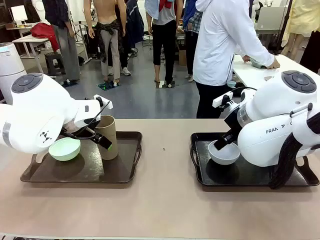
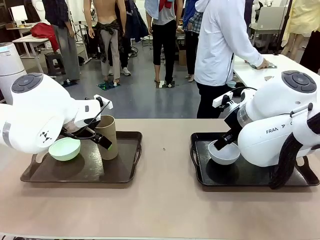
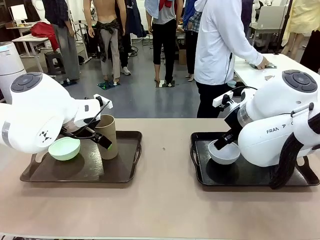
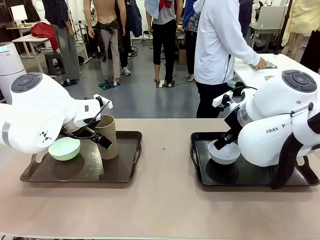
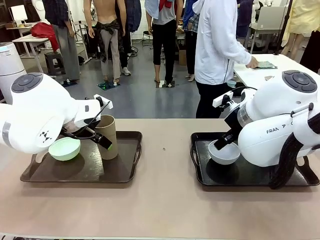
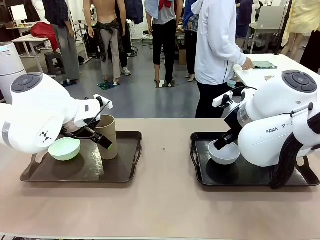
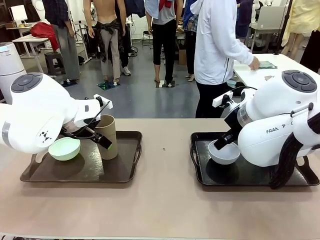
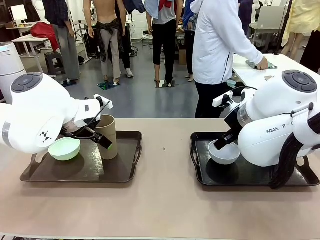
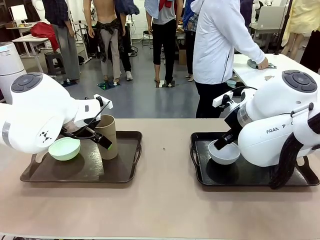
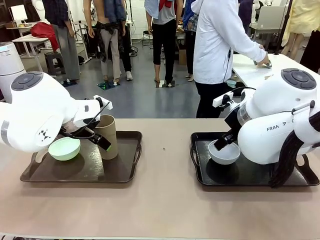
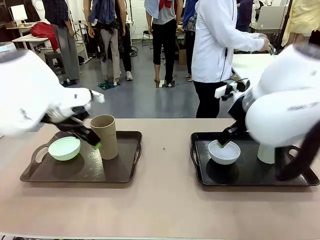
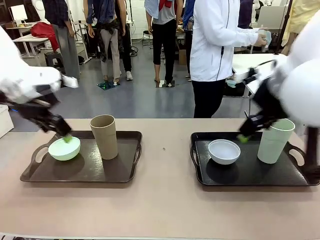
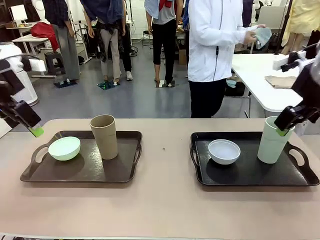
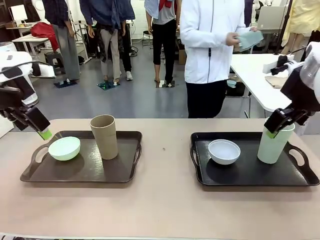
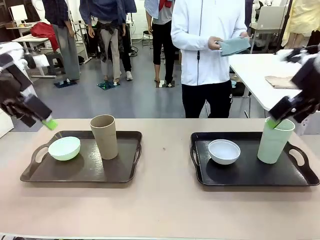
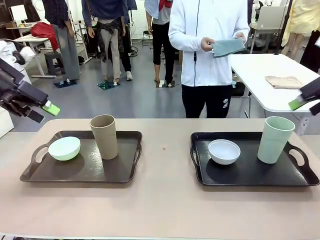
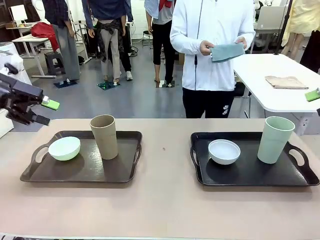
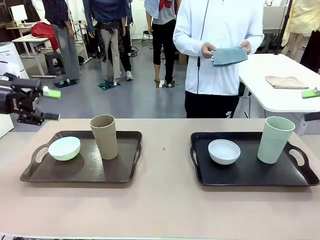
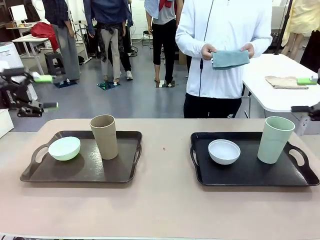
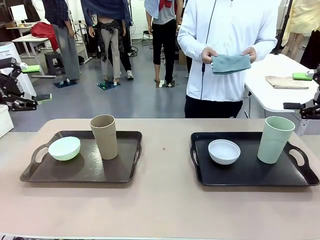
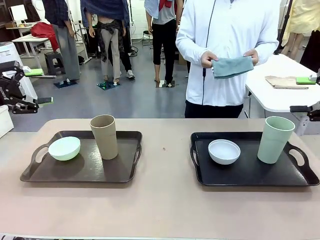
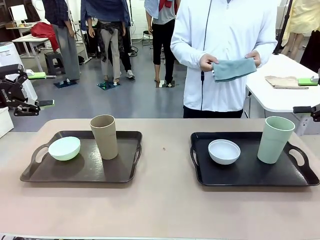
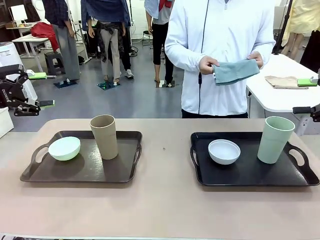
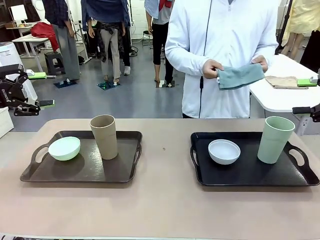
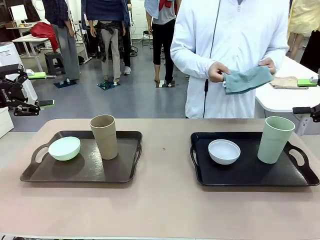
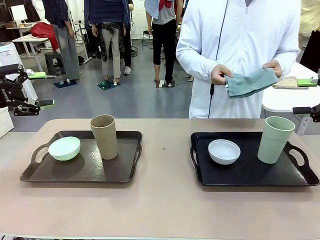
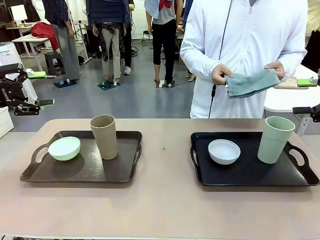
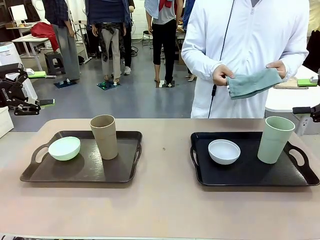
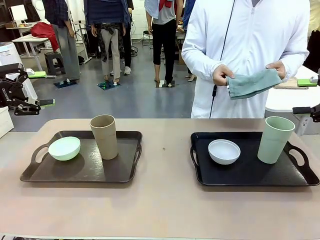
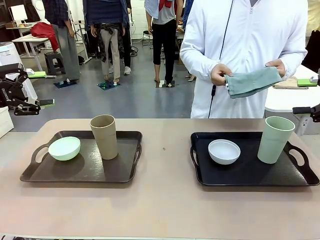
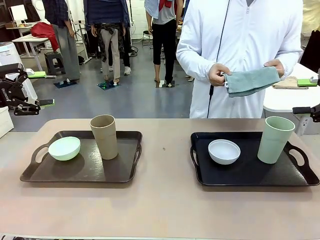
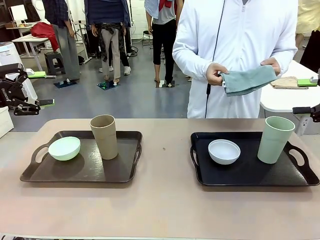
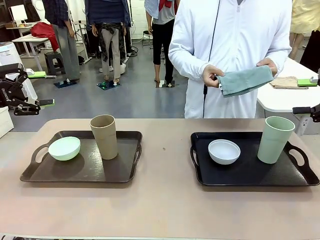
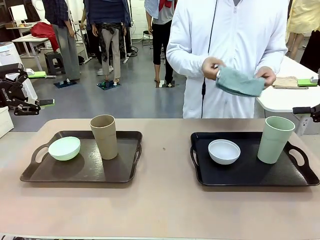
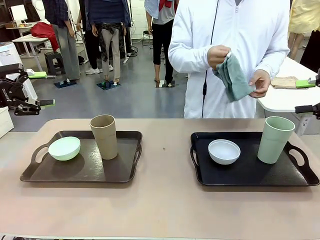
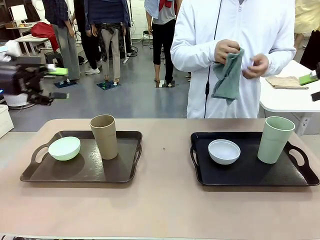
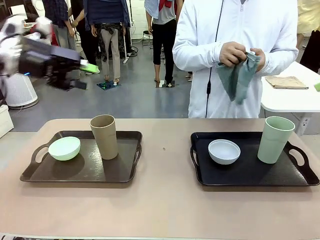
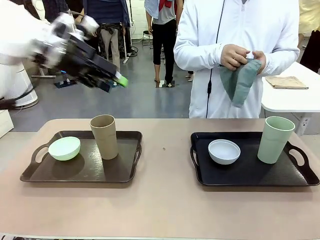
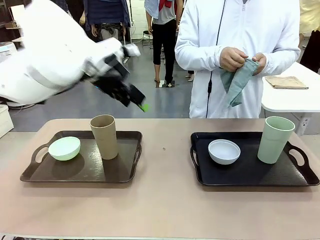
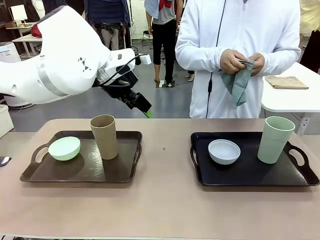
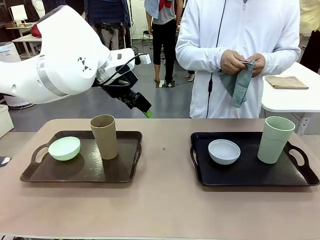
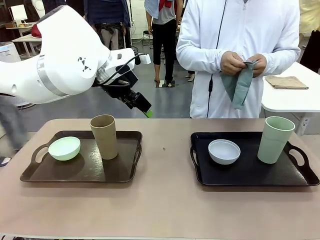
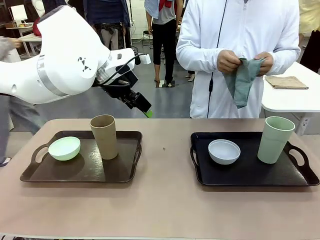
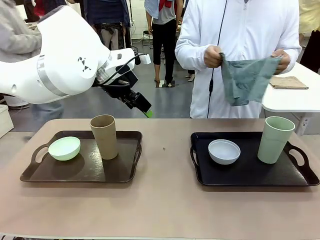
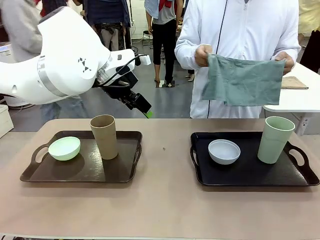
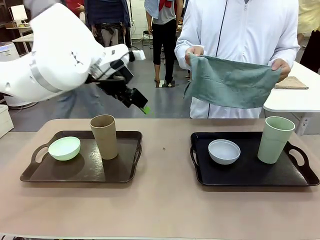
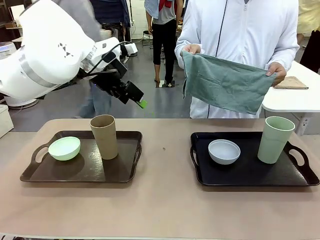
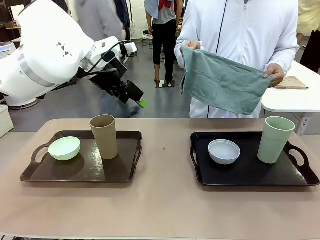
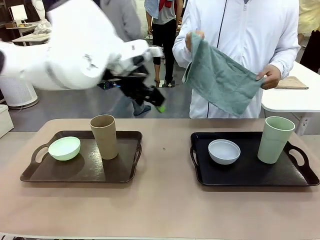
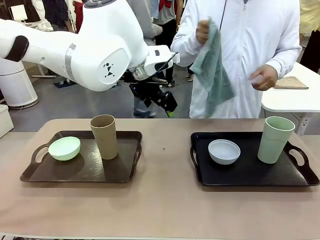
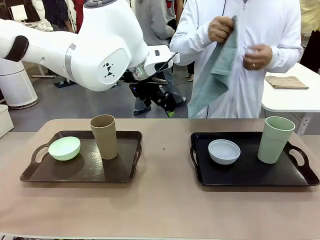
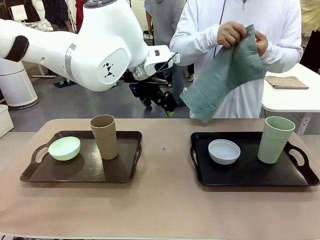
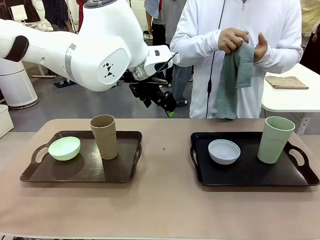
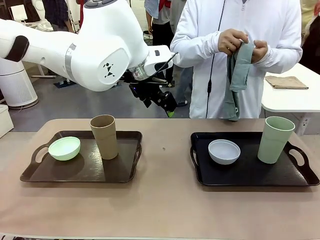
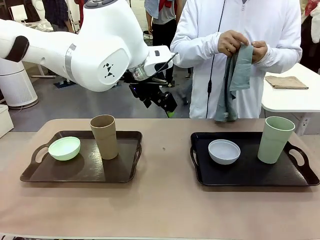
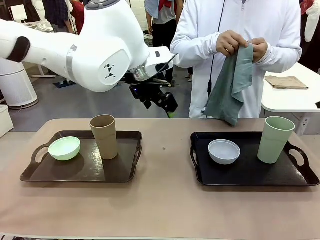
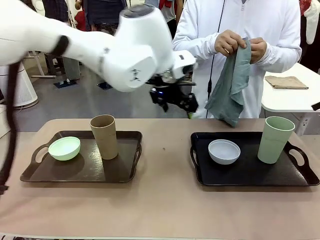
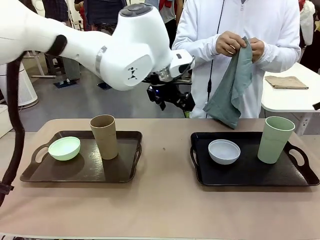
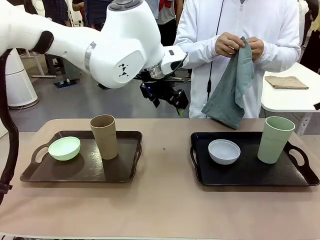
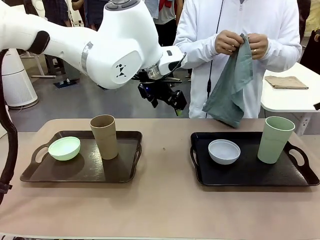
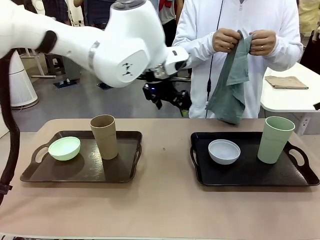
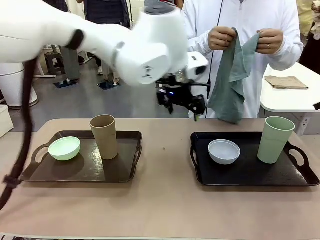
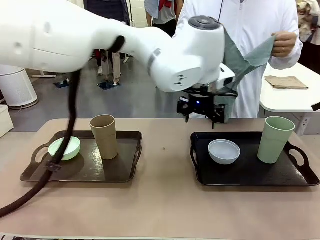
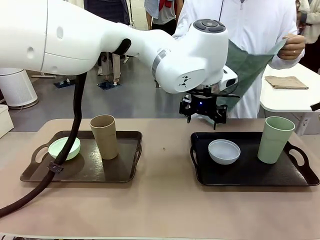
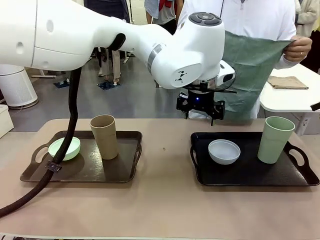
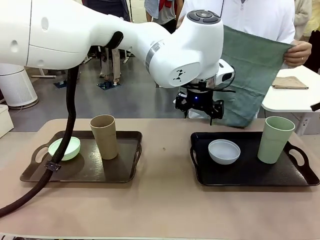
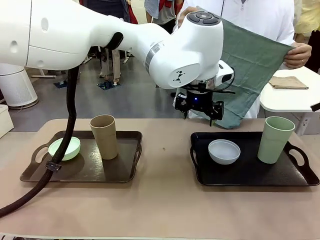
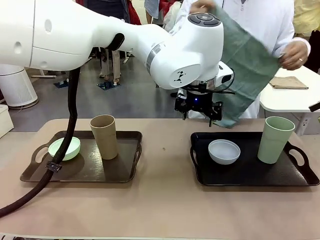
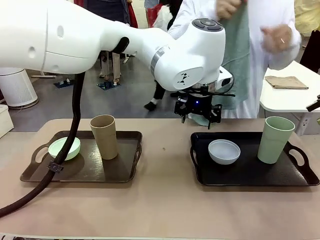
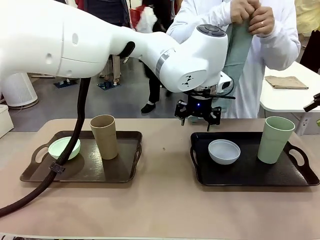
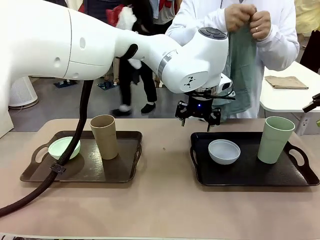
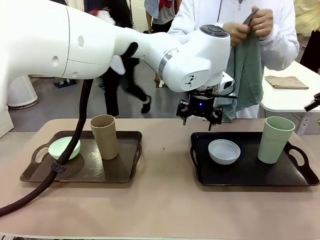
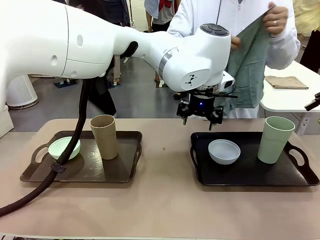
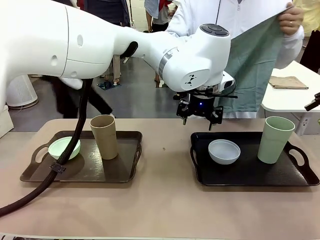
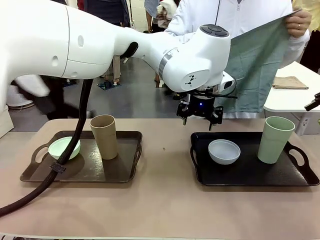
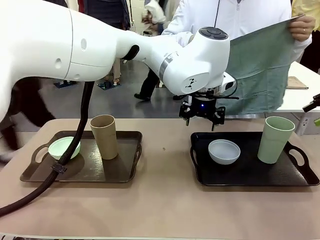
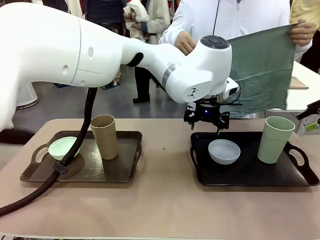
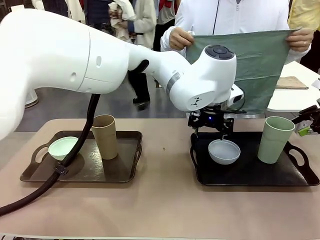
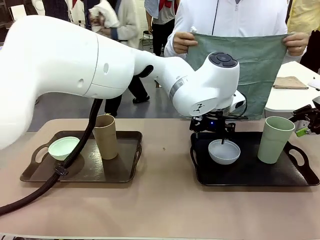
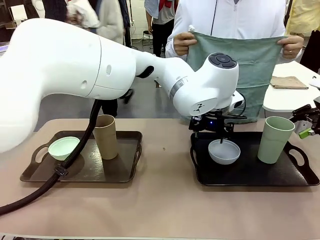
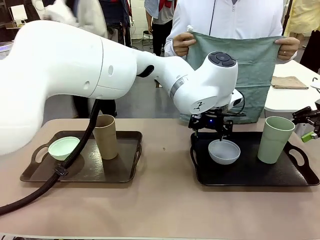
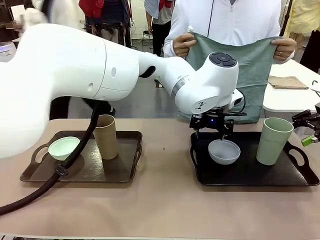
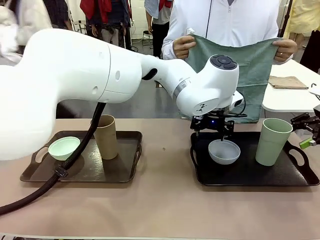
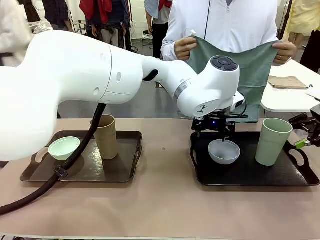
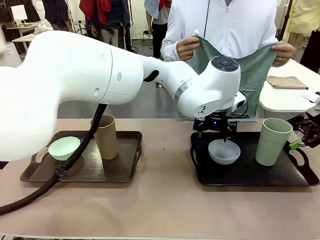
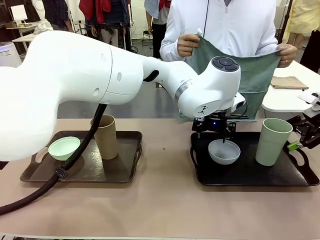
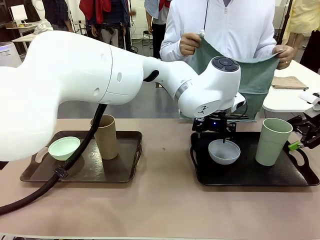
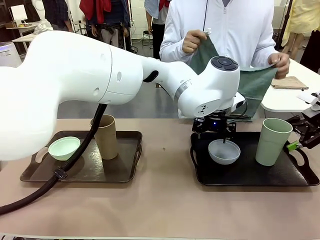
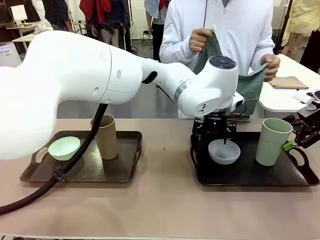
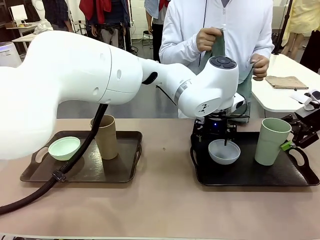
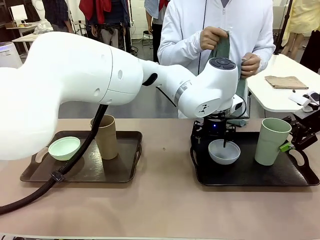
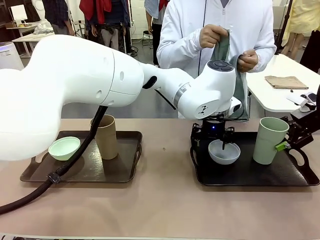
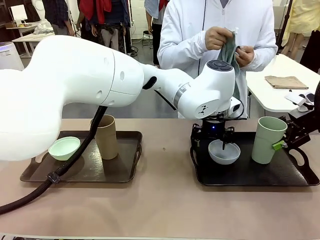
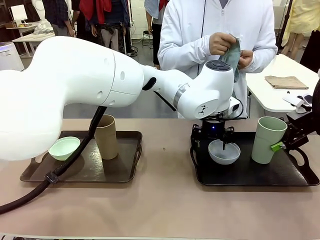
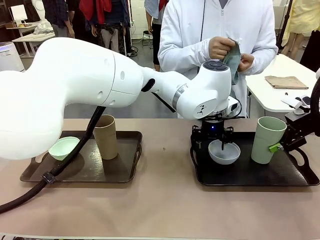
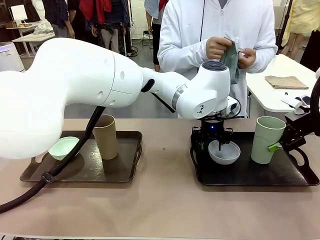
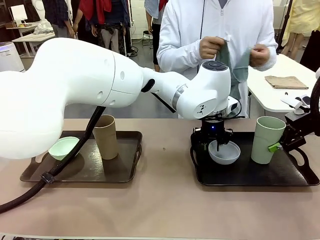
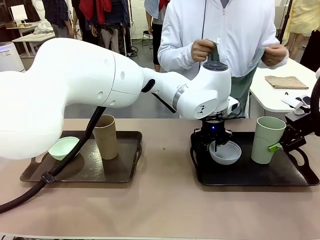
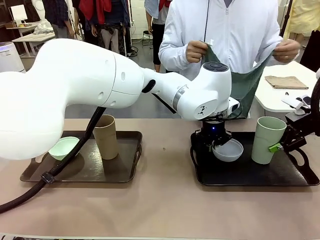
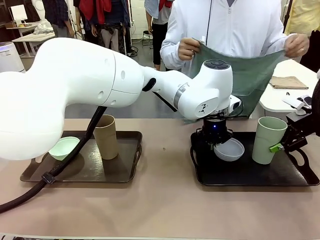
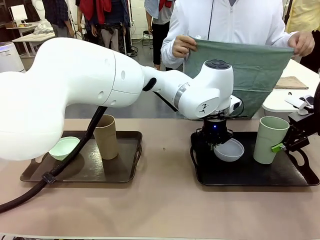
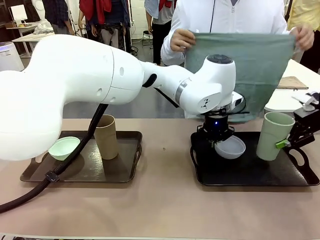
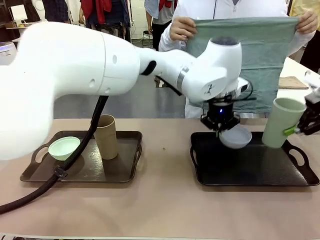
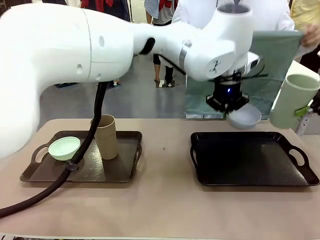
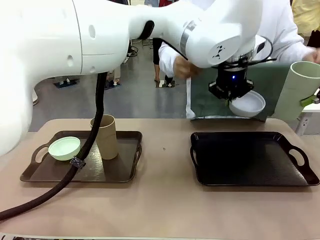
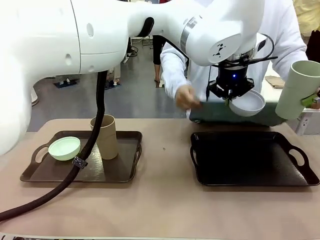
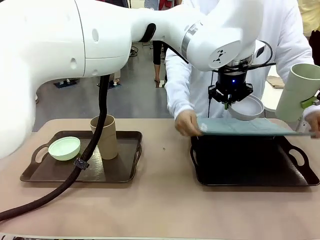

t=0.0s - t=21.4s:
Robot: Pick up the Picnic Bowl and Reusable plastic cup from the Handle tray in front of the human's position and hold them in the air.
Person: The human picks up the top napkin from the stack on the human table and walks to the robot table to stand in front of one of the two trays. When the robot lifts the bowl and the cup, the human unfolds the napkin and lays the napkin flat on the tray.
